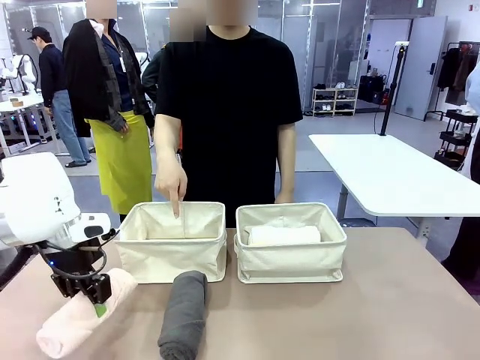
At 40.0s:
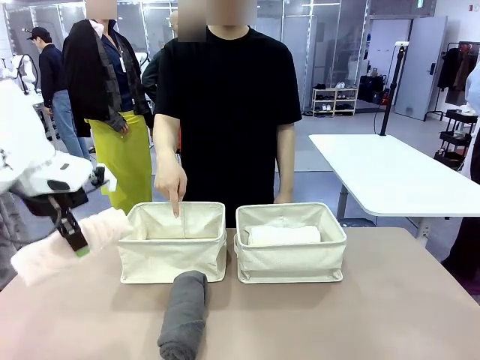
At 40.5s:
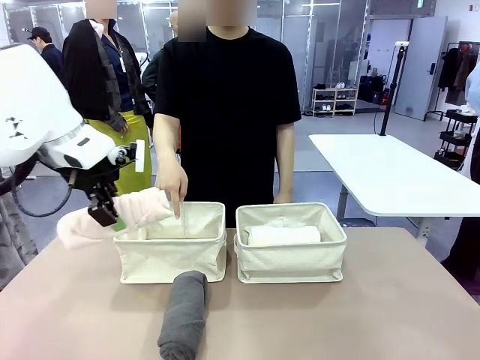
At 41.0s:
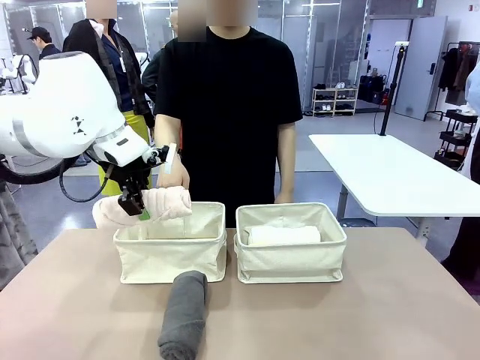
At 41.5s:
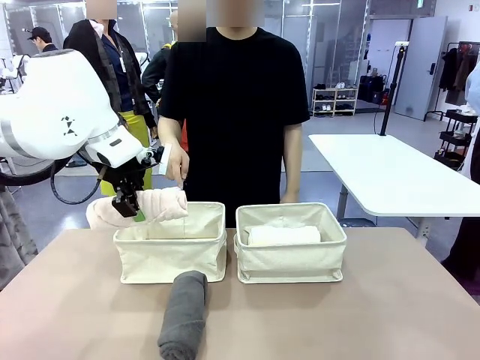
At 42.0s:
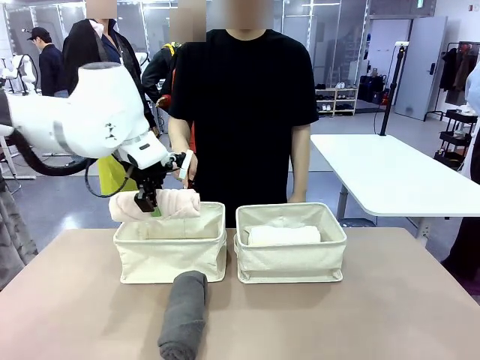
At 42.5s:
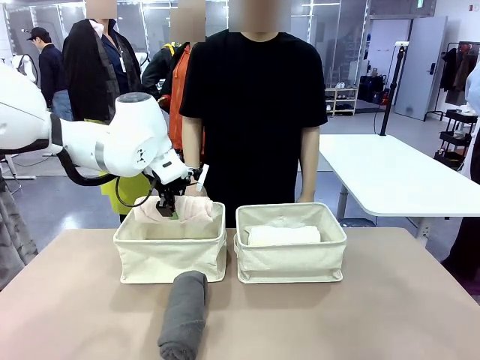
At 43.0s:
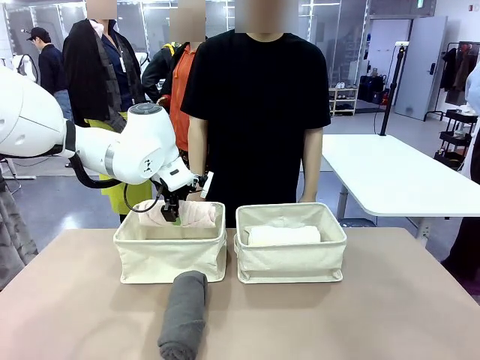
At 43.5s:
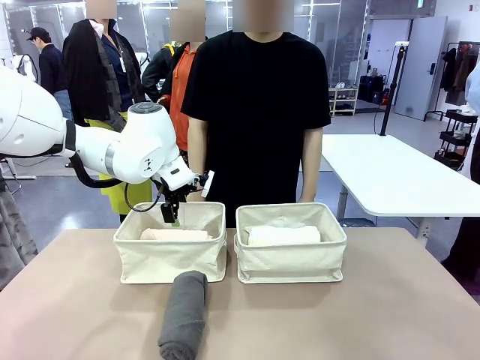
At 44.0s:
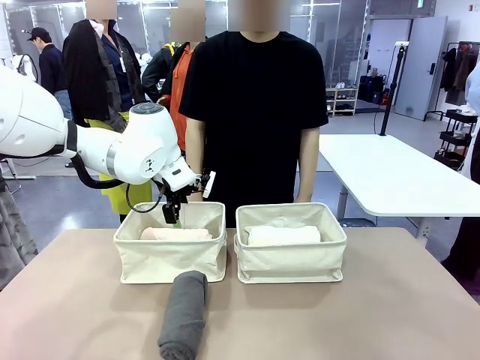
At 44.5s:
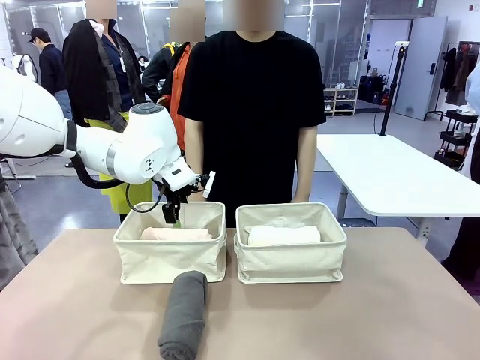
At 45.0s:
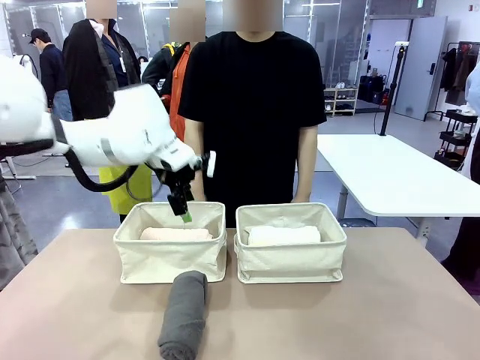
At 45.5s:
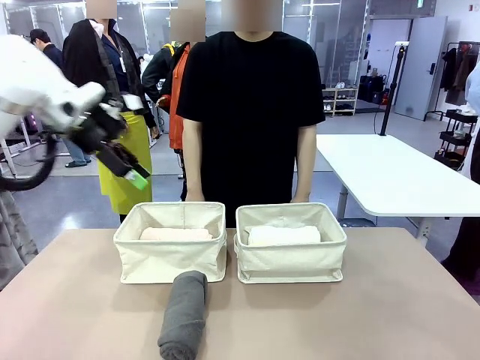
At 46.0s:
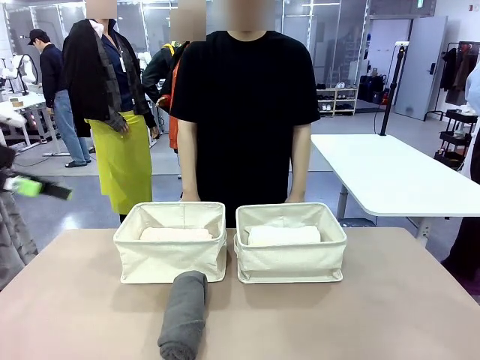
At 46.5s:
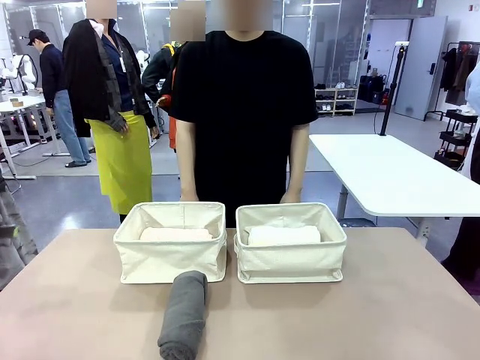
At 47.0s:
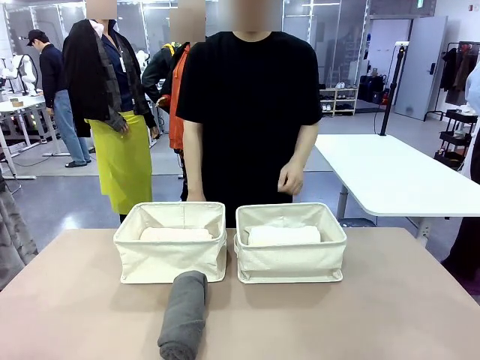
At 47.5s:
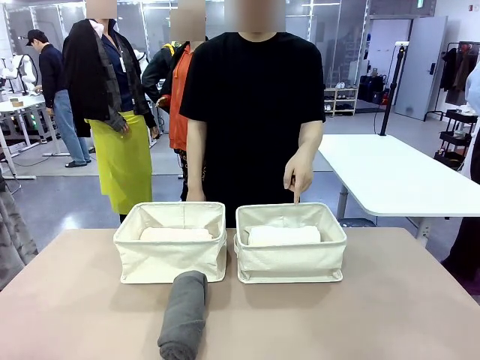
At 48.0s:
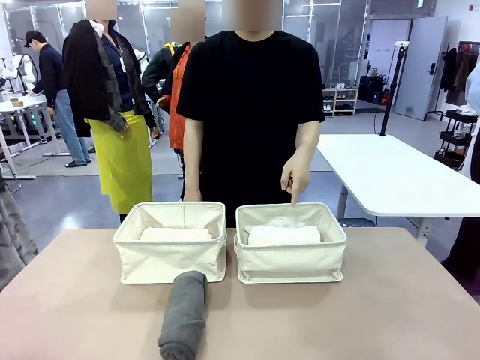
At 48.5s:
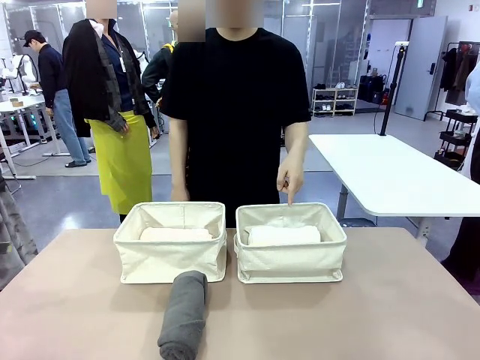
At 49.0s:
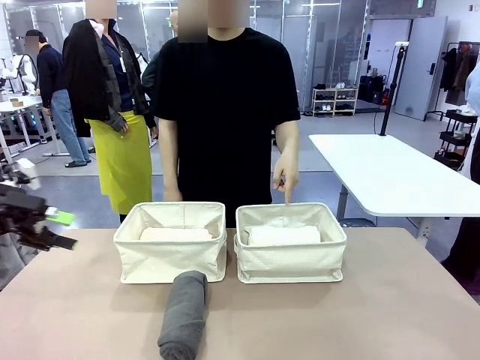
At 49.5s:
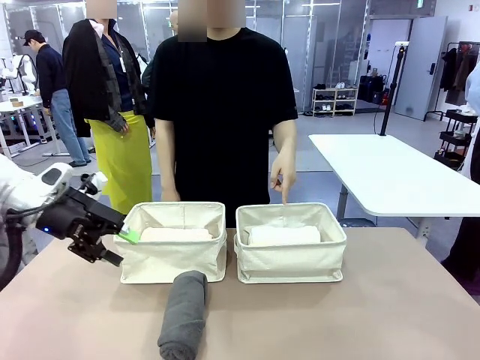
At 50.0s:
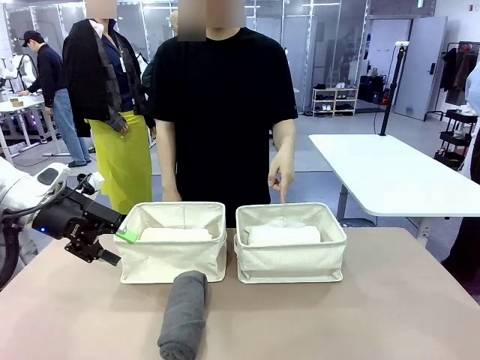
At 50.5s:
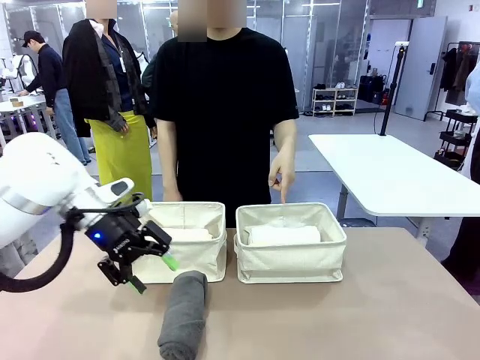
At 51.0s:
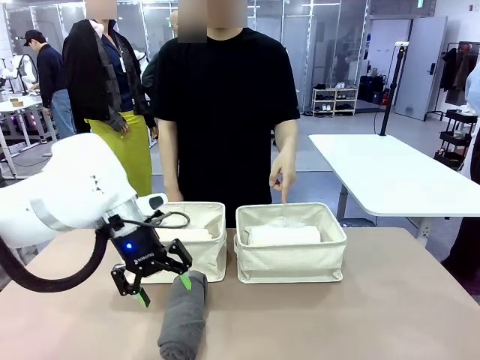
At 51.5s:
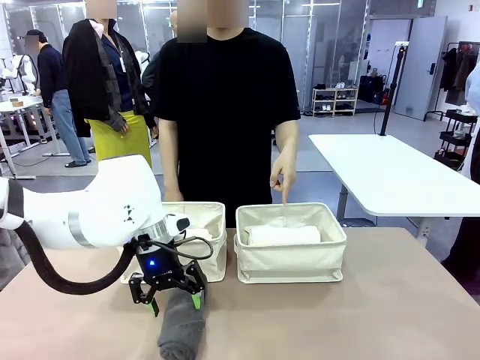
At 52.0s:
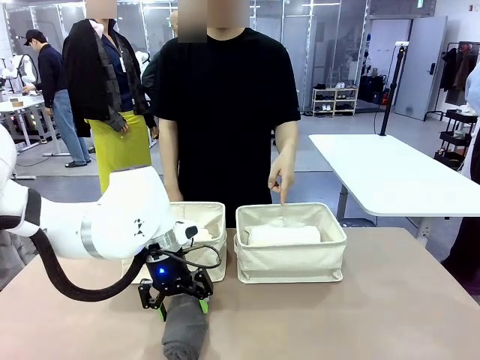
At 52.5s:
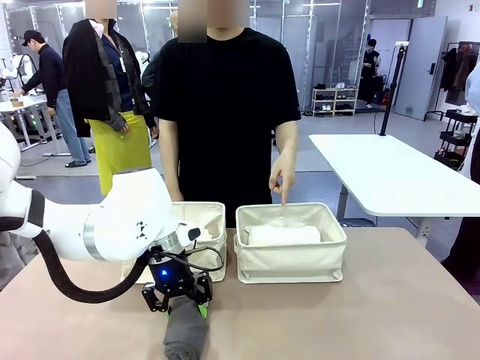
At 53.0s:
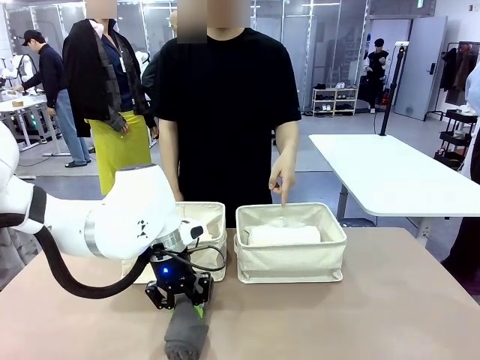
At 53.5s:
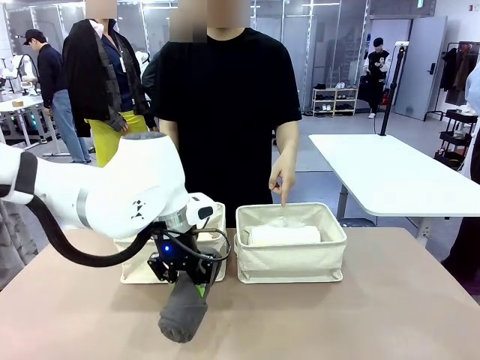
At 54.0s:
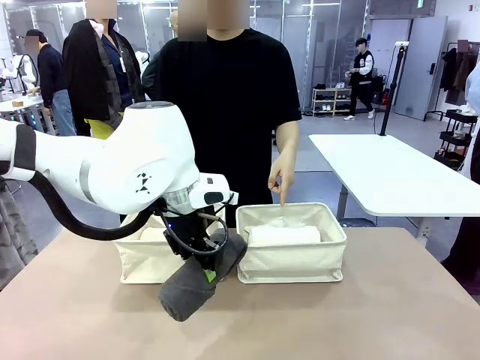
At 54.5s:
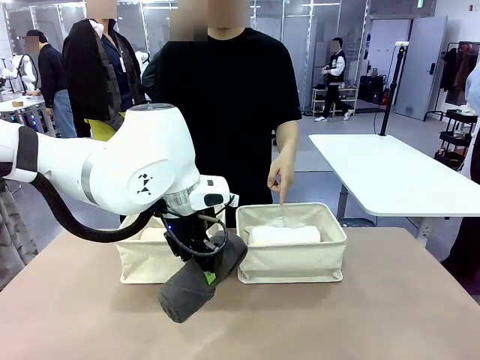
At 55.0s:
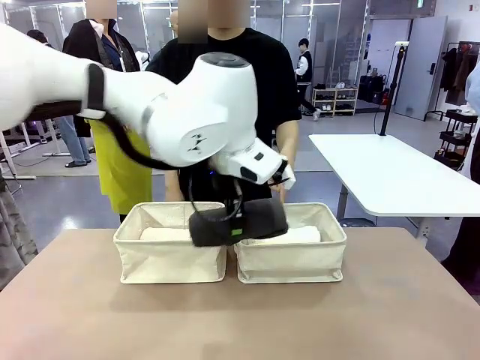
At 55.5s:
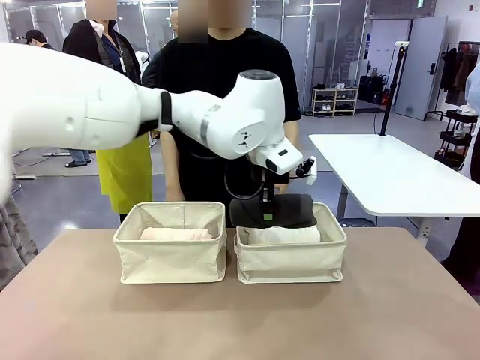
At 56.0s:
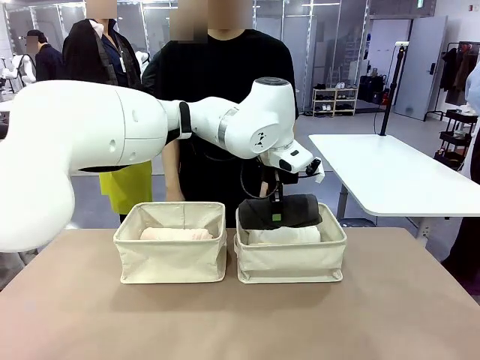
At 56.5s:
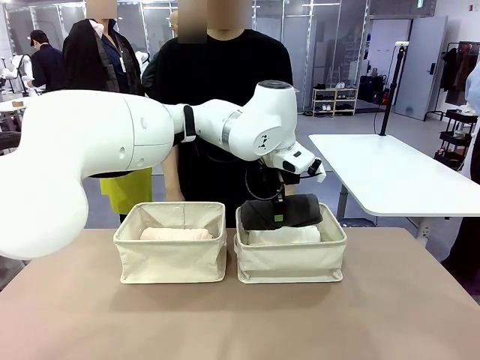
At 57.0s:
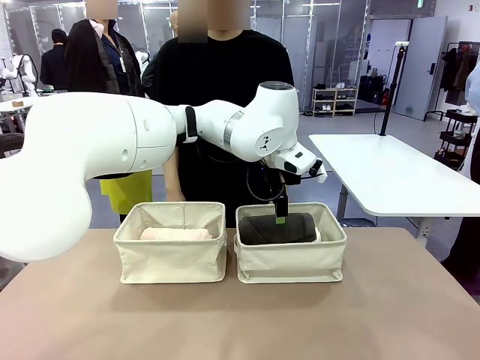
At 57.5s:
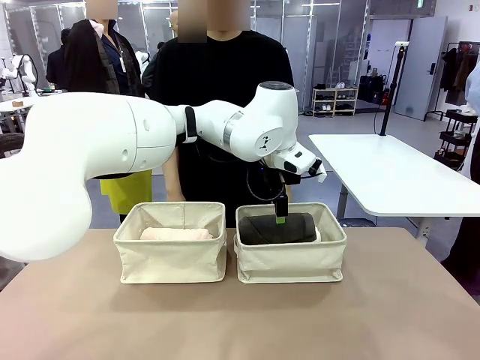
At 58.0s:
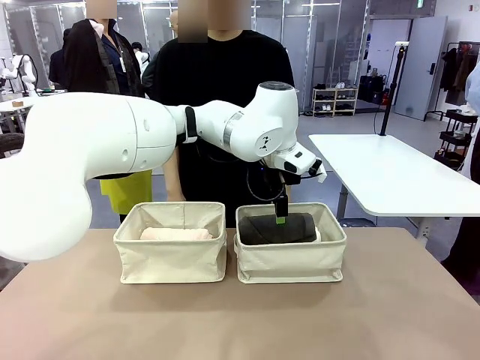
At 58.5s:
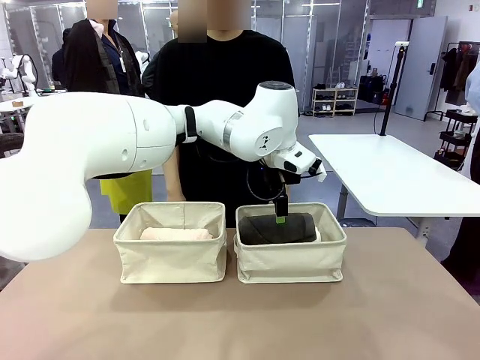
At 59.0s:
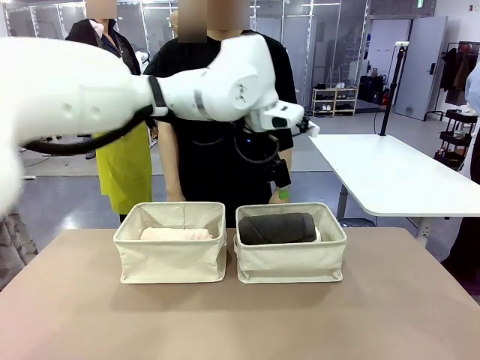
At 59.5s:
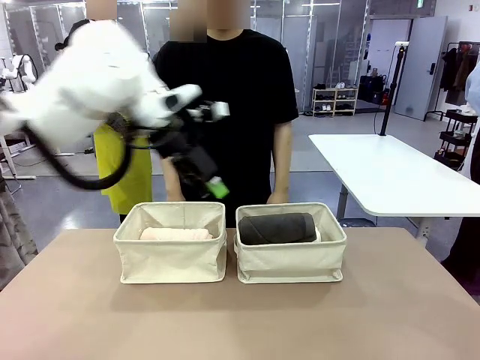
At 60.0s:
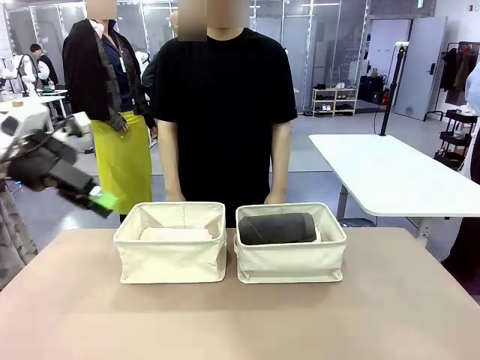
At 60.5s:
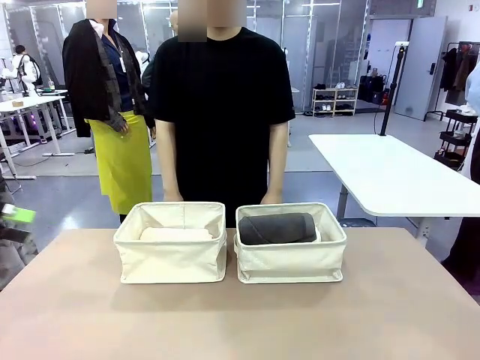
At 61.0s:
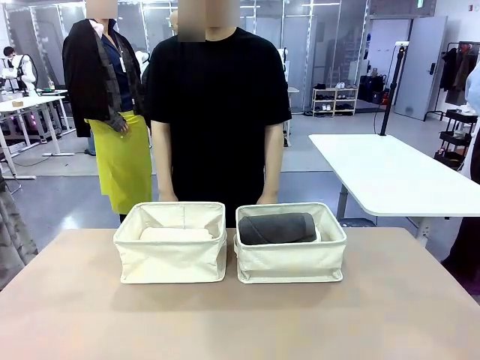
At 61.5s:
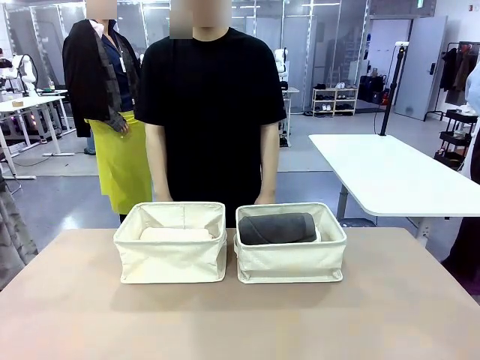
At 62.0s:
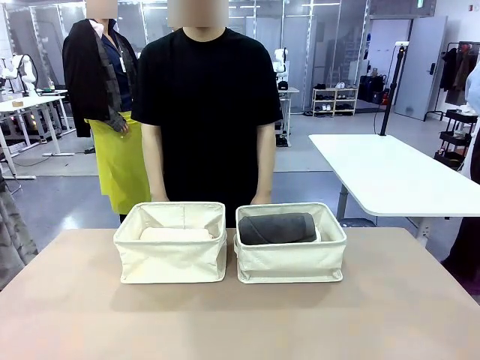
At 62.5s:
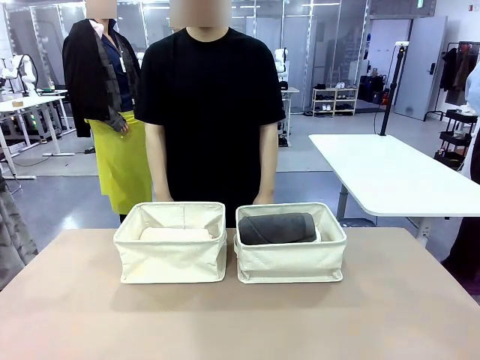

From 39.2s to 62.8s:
Task: Divide the towels into two baskets.
Robot: Pick up one hotel-folded towel from the bottom of the table and place it in the Fabric basket indicated by the person.
